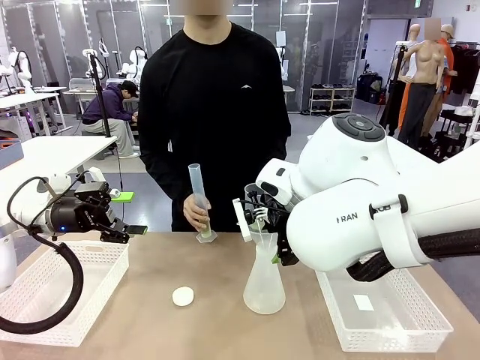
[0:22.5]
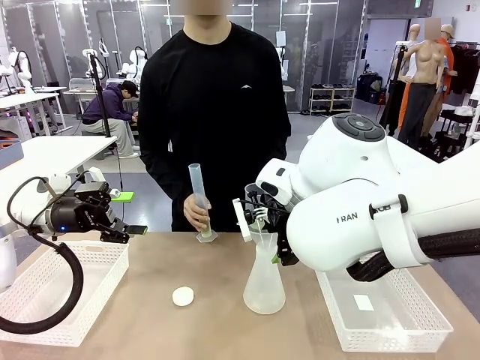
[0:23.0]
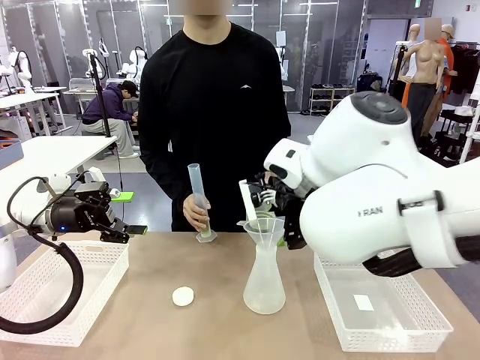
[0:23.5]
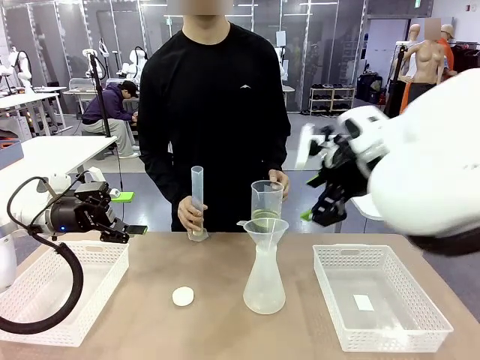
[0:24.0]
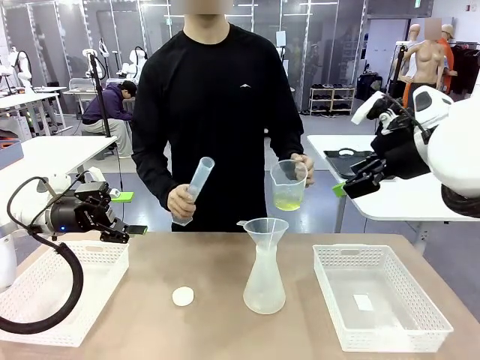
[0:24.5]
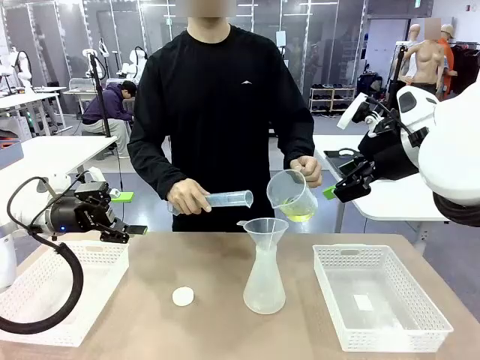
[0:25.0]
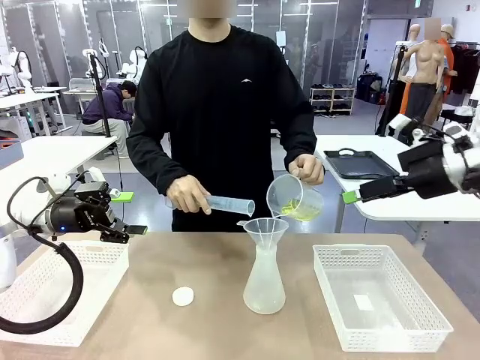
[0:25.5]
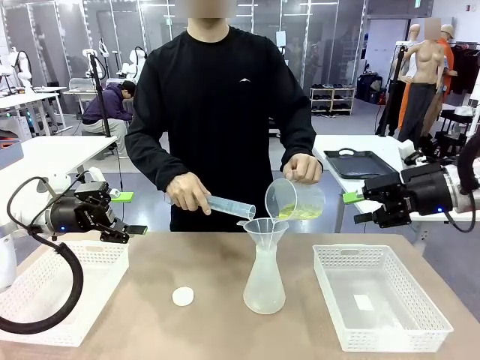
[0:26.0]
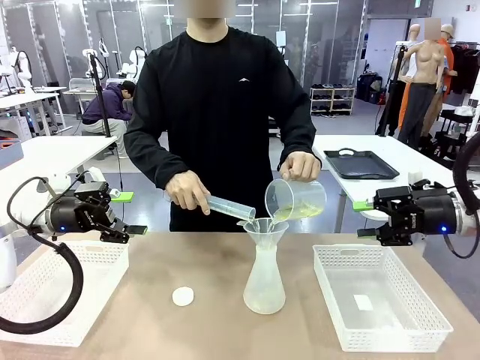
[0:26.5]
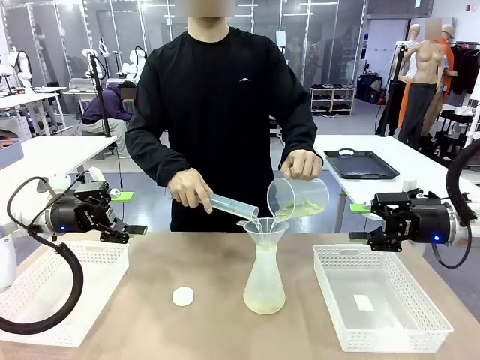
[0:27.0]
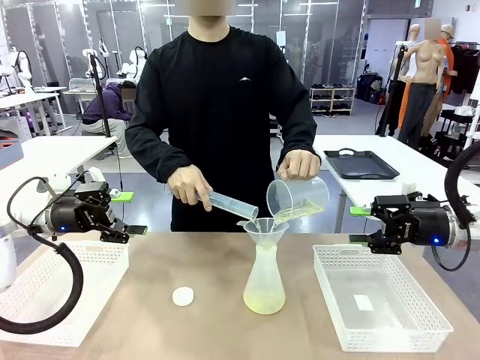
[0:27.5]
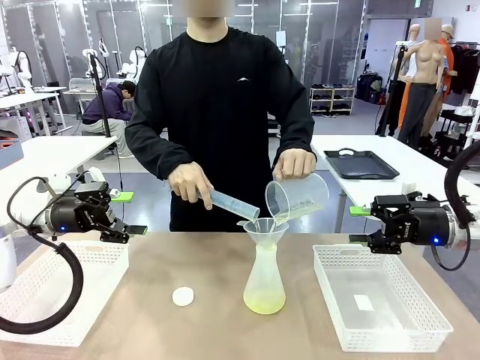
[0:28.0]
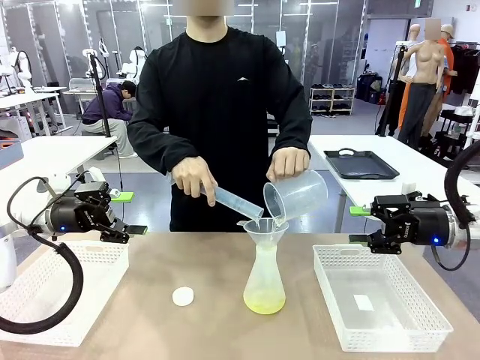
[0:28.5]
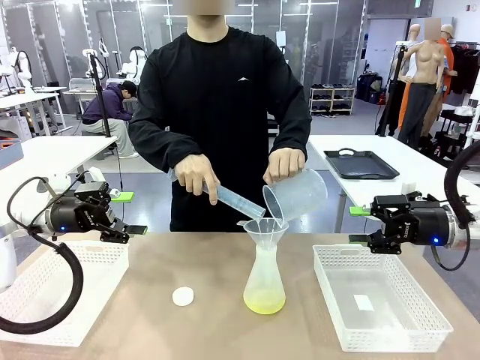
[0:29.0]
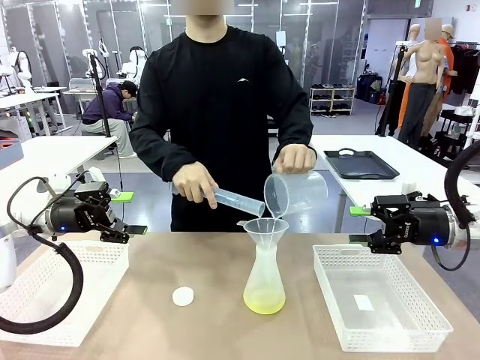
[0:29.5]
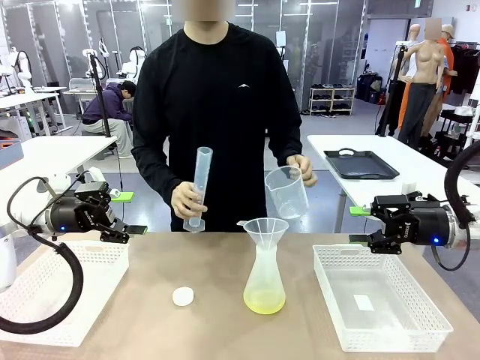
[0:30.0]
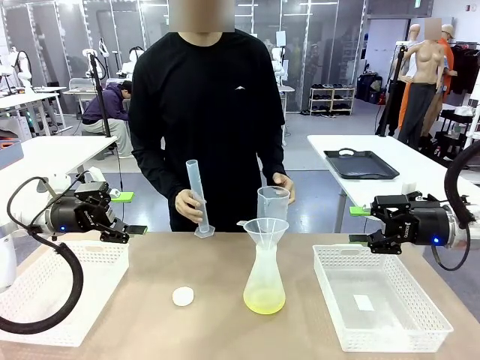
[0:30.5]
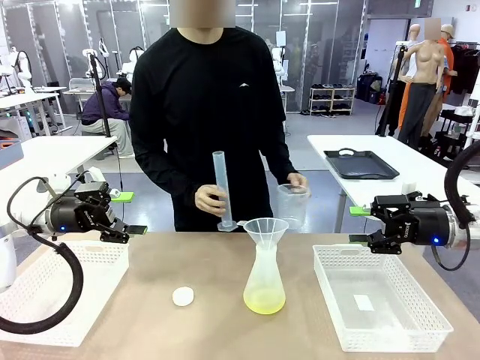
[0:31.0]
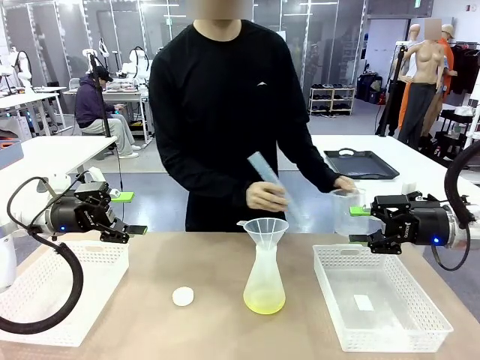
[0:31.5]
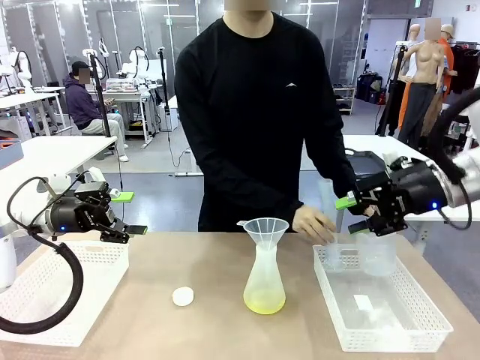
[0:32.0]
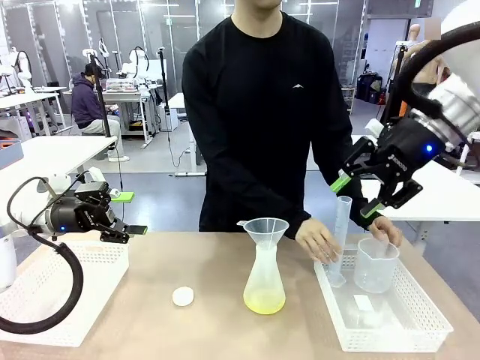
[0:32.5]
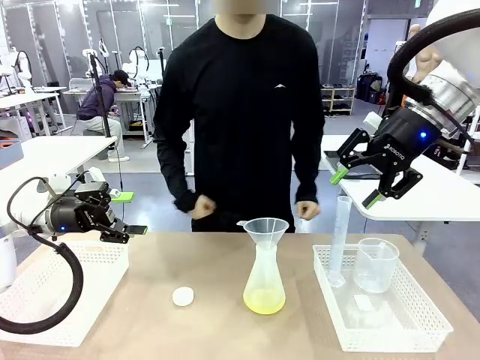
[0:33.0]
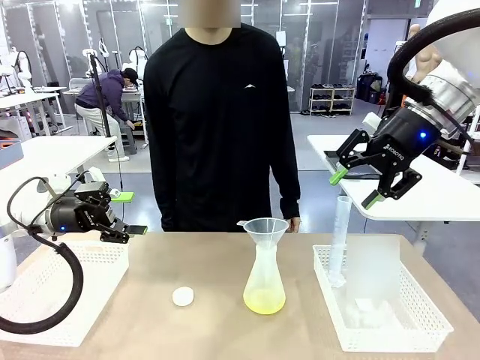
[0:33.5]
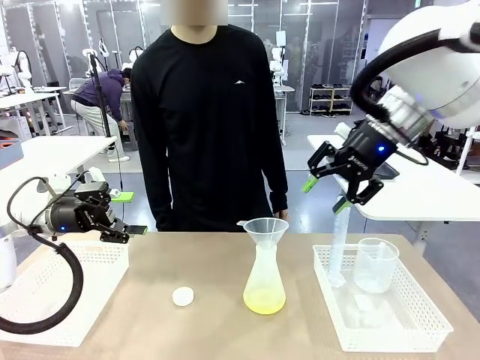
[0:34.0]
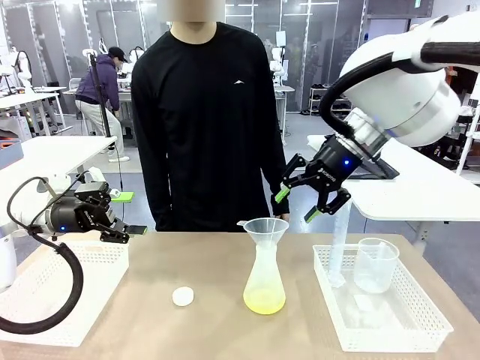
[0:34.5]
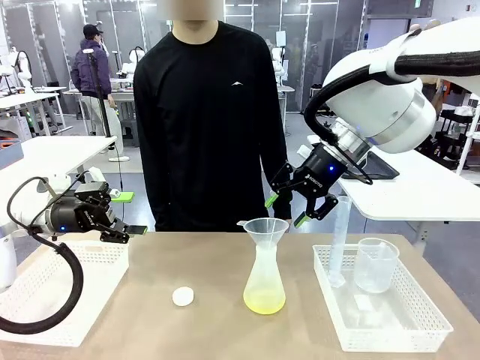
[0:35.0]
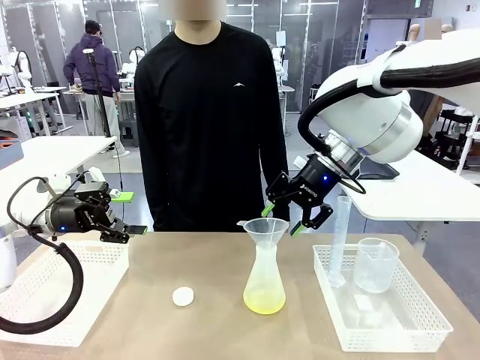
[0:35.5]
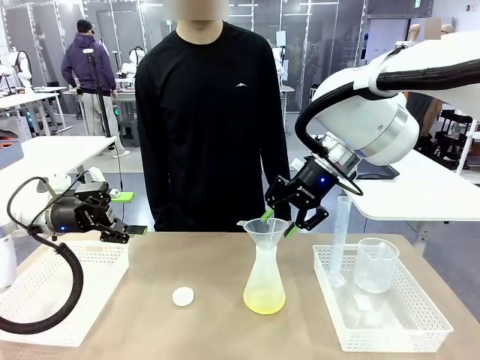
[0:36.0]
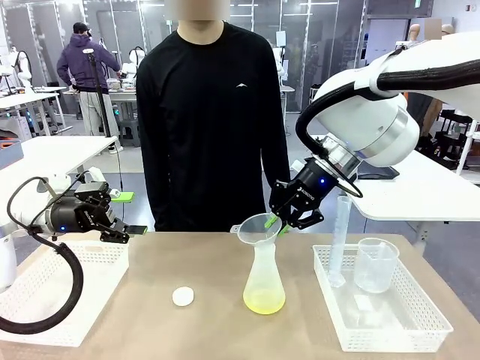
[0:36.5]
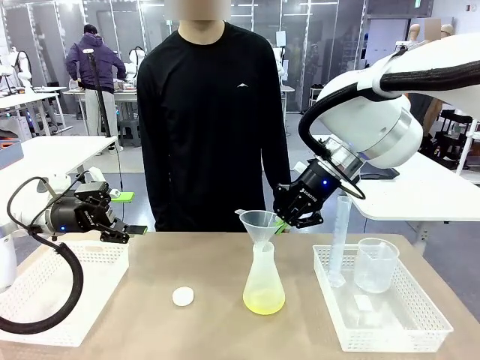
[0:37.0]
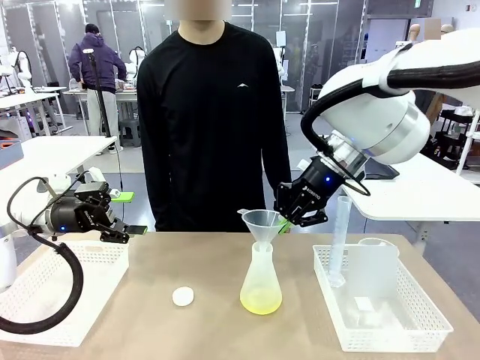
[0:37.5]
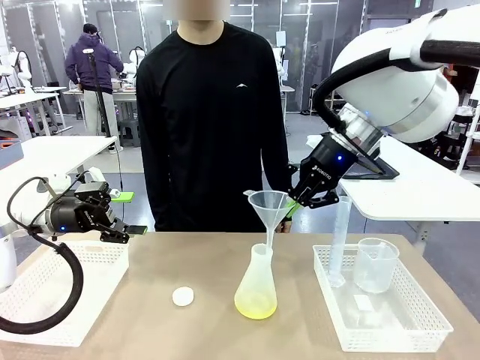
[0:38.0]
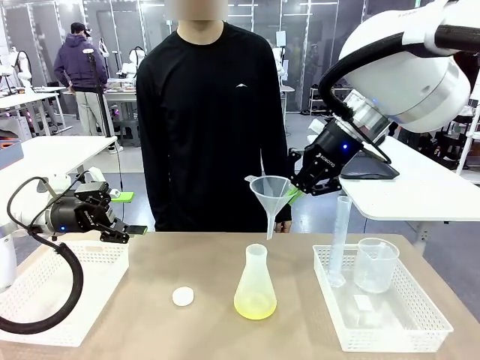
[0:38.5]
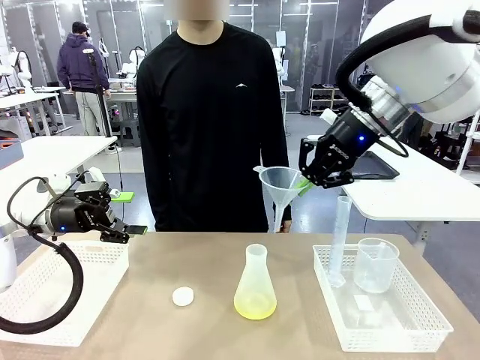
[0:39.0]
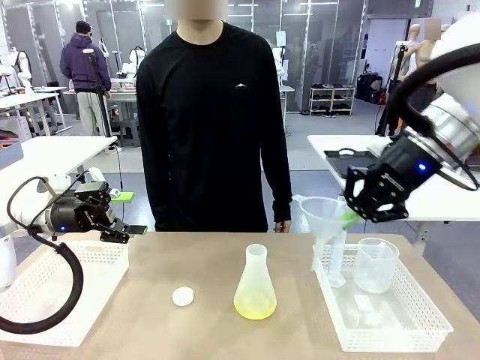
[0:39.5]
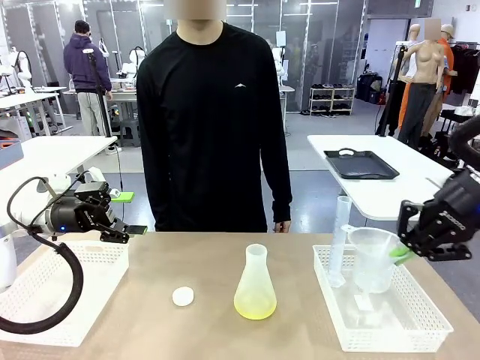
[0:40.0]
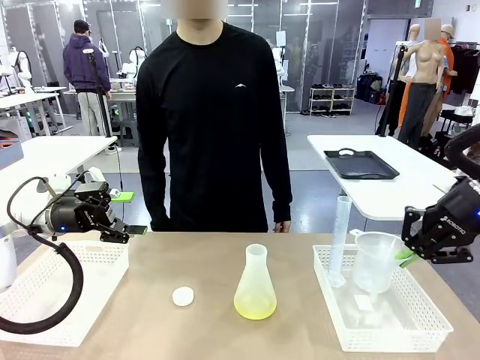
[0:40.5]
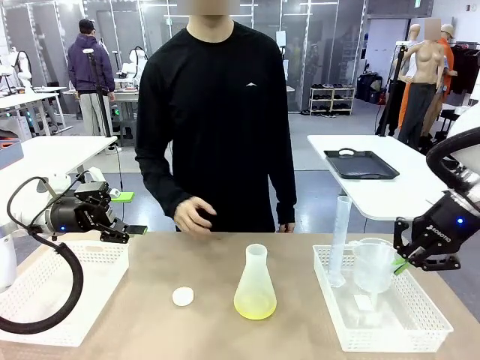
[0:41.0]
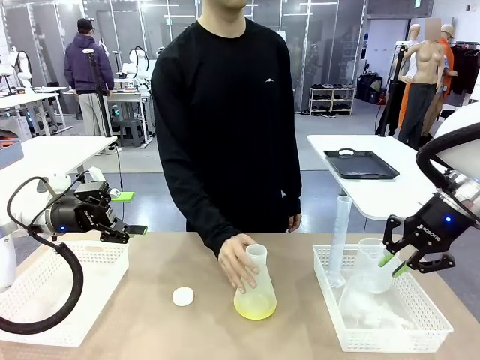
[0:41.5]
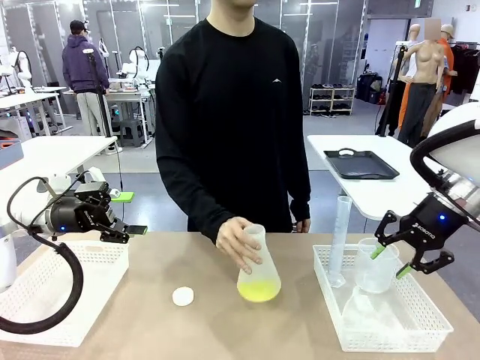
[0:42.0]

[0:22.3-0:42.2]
Task: Prepare the solutions needed for the experiment.
Robot: Once the solution is in the Big flask , pick up the Plastic Funnel and place it back into the right Organizing basket.
Person: Place the beaker and the cylinder into the organizing basket on the left side. Pick up the flask, gently shake it 2–3 times, place it in the middle of the robot table, and close the lid.

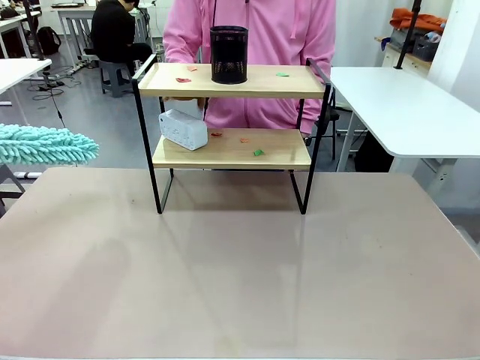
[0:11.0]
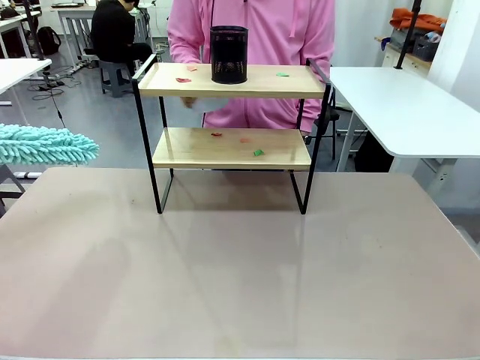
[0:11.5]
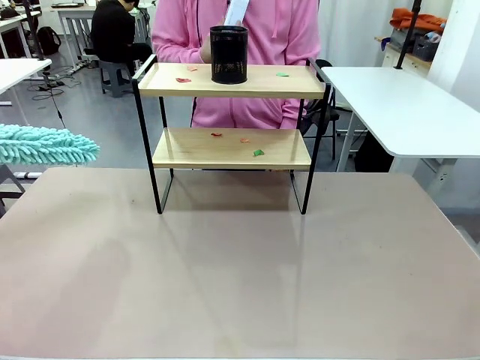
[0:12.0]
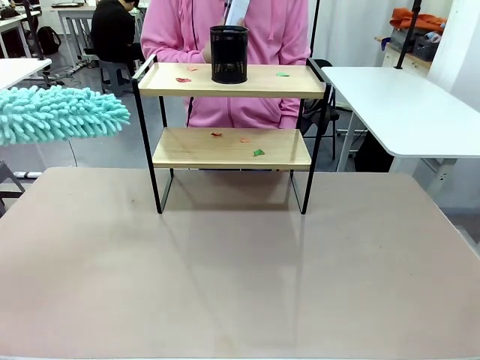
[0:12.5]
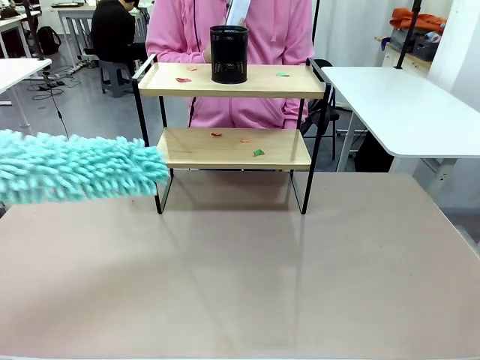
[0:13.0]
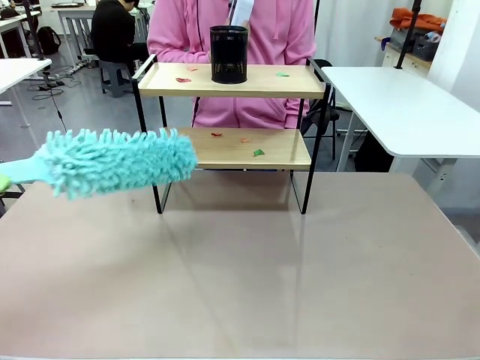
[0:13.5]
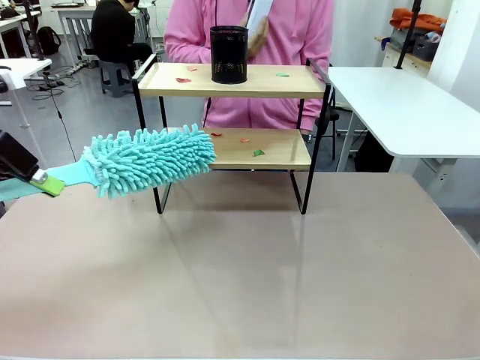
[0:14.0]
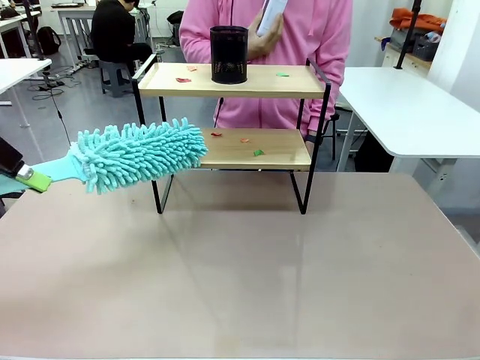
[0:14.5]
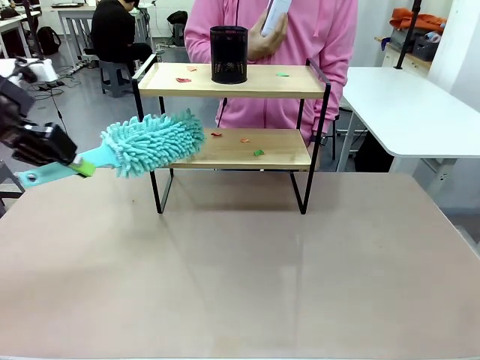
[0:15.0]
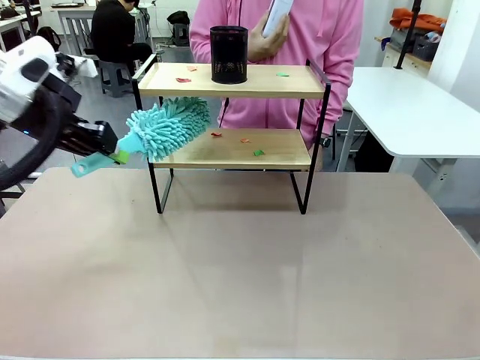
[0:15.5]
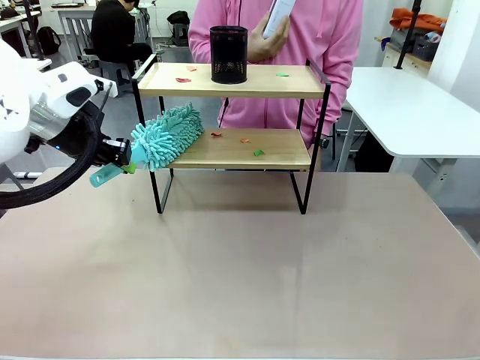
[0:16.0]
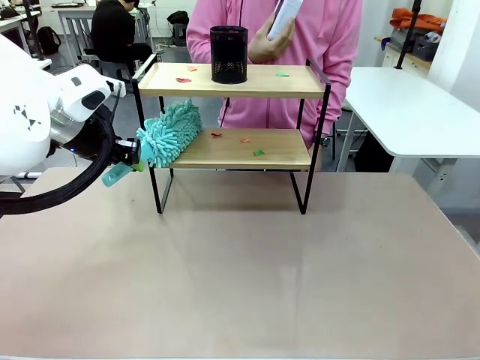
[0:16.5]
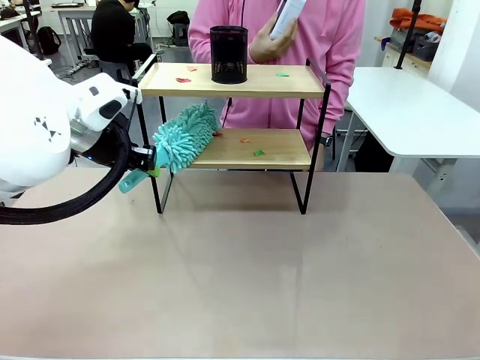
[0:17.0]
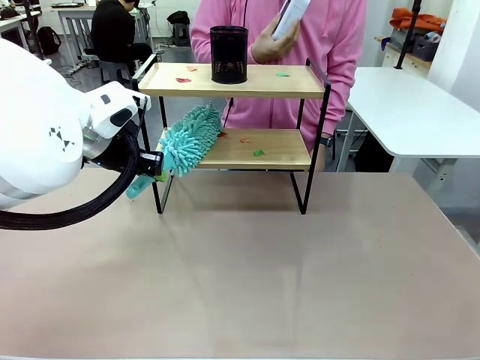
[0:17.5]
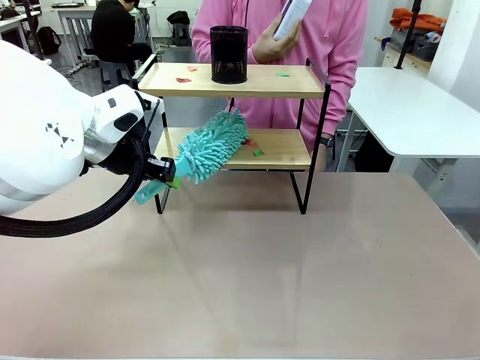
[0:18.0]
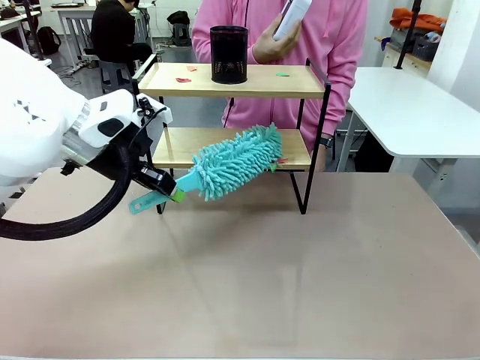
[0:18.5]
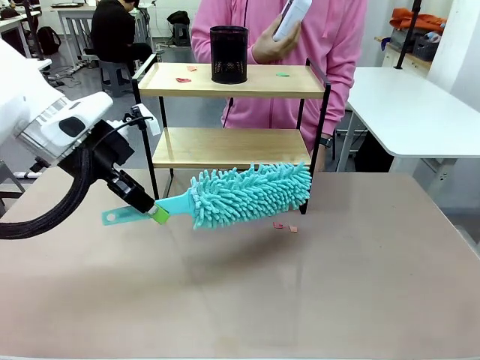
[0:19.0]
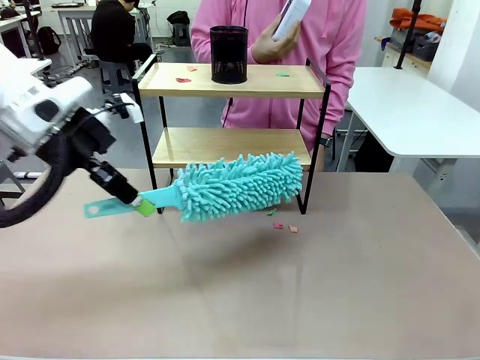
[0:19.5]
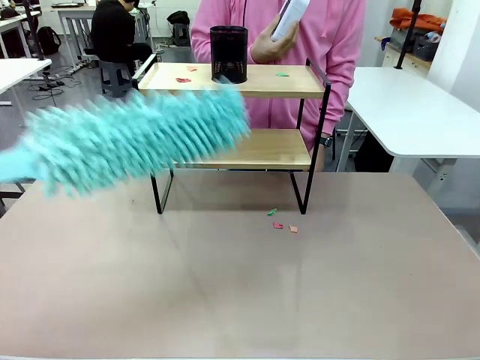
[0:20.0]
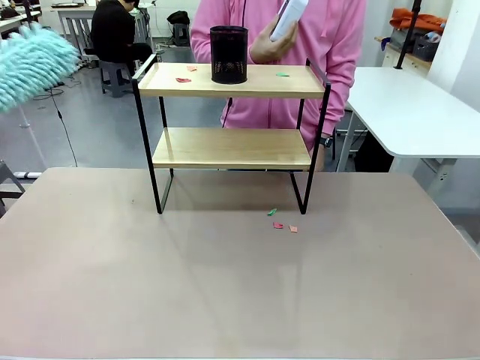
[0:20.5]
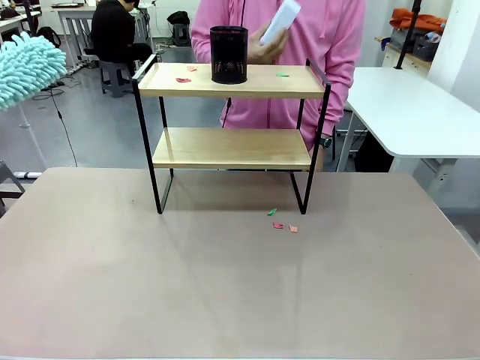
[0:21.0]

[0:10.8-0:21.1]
Task: Clean the shelf.
Robot: Clean the specific tier of the Shelf with the Duster once objects are removed.
Person: Lift the objects on a randomly selected tier of the Shelf. Once the robot finishes cleaning, lift the objects on the remaining tiers of the Shelf.
